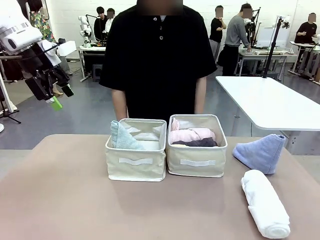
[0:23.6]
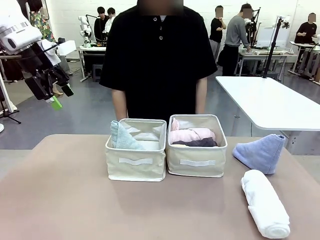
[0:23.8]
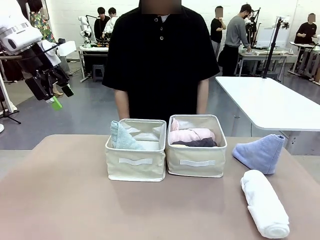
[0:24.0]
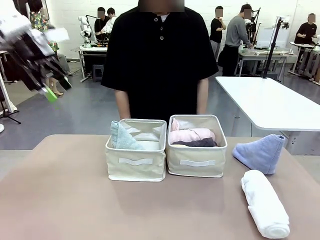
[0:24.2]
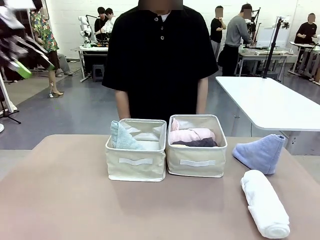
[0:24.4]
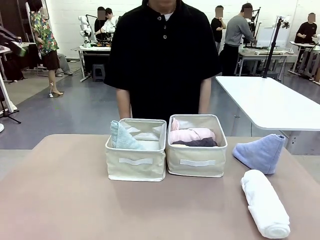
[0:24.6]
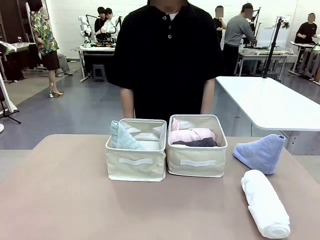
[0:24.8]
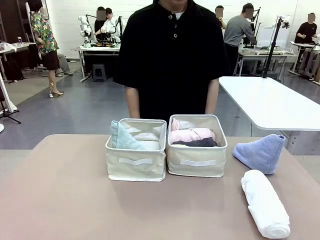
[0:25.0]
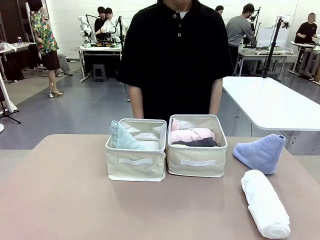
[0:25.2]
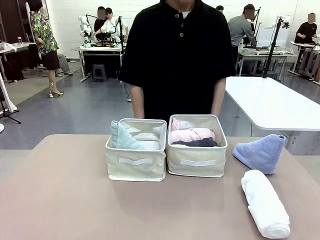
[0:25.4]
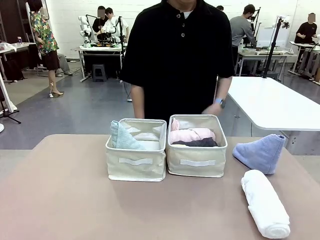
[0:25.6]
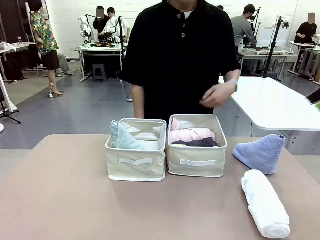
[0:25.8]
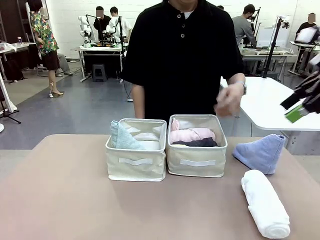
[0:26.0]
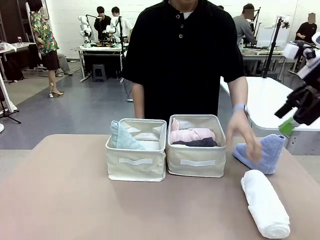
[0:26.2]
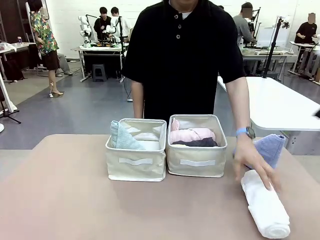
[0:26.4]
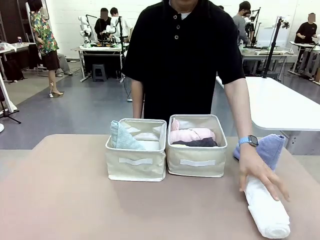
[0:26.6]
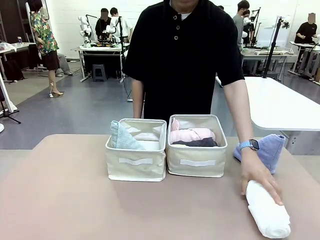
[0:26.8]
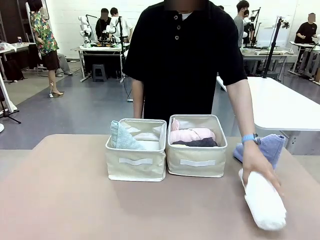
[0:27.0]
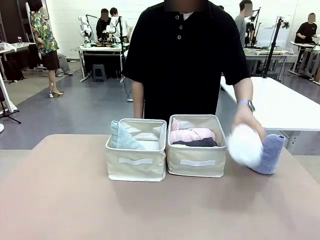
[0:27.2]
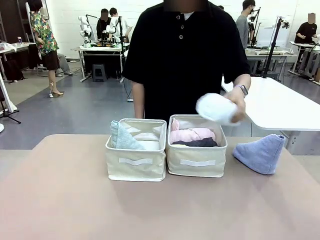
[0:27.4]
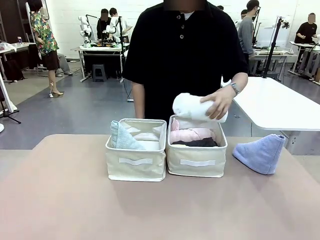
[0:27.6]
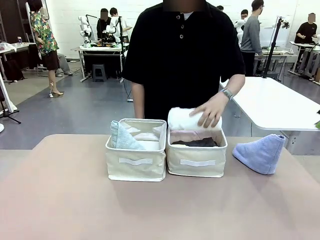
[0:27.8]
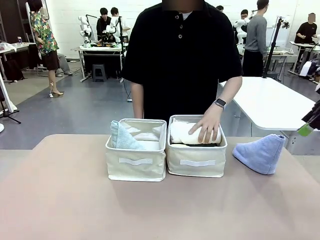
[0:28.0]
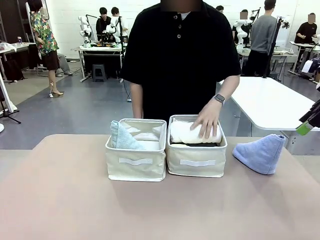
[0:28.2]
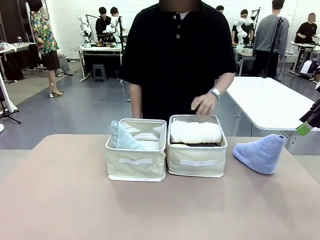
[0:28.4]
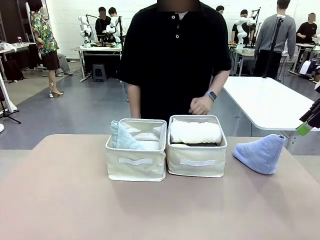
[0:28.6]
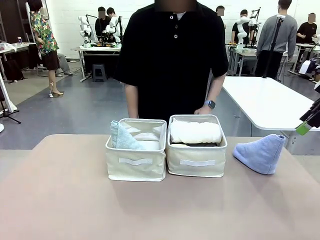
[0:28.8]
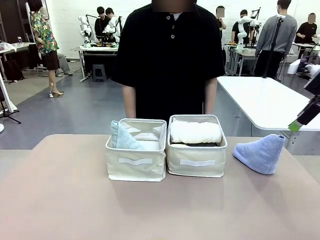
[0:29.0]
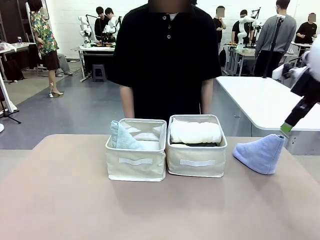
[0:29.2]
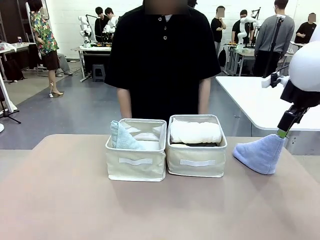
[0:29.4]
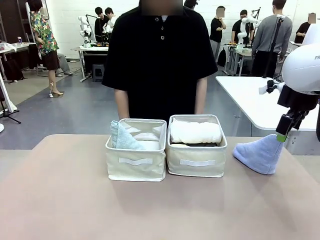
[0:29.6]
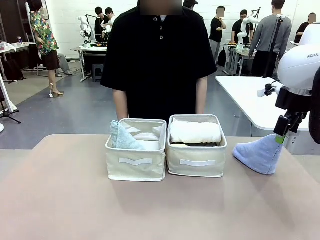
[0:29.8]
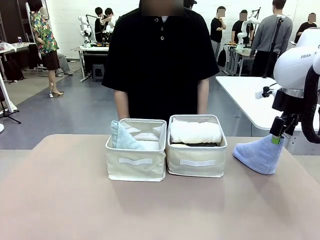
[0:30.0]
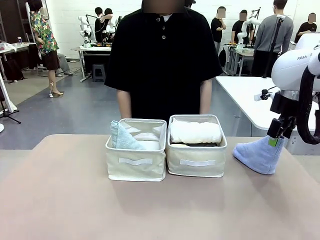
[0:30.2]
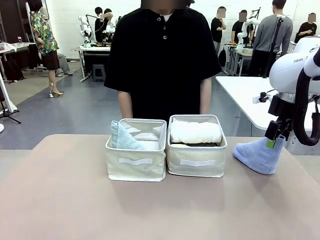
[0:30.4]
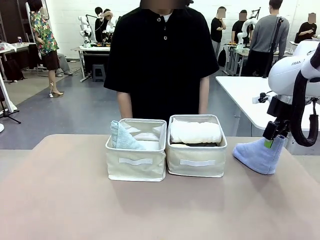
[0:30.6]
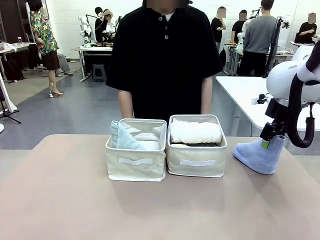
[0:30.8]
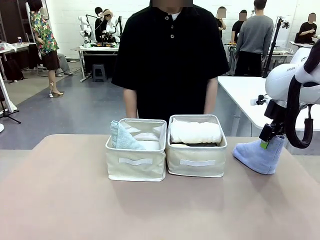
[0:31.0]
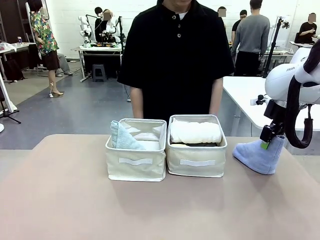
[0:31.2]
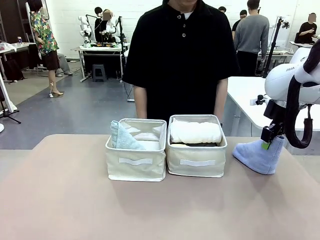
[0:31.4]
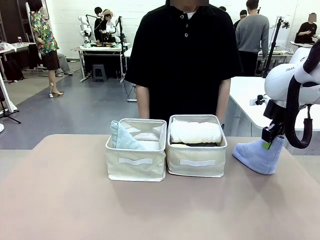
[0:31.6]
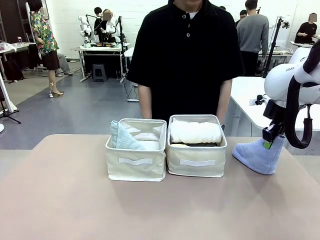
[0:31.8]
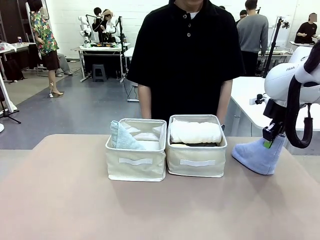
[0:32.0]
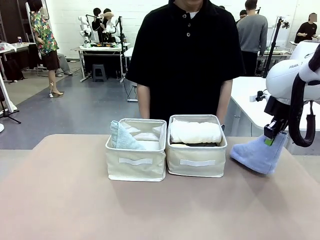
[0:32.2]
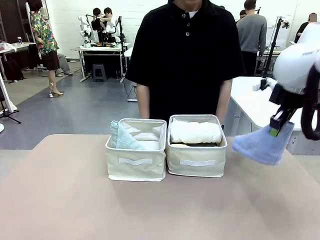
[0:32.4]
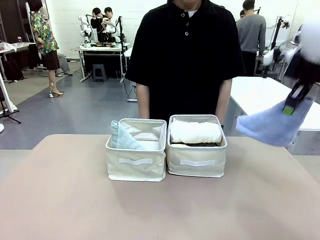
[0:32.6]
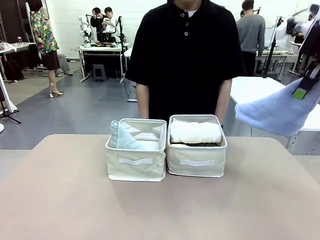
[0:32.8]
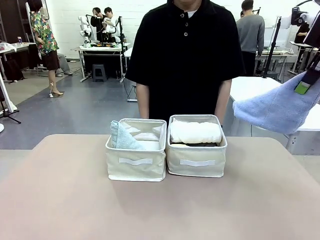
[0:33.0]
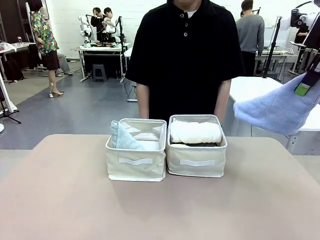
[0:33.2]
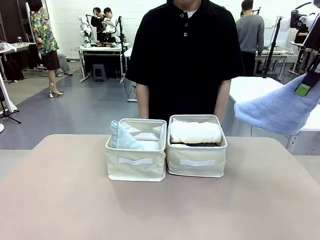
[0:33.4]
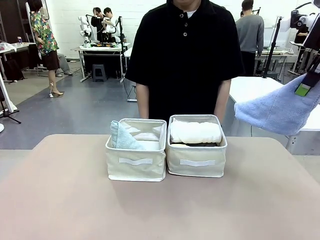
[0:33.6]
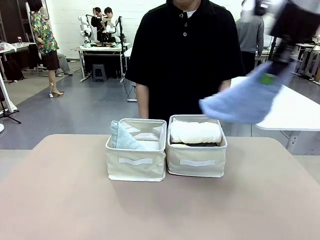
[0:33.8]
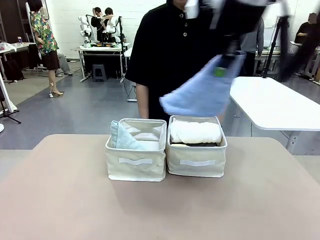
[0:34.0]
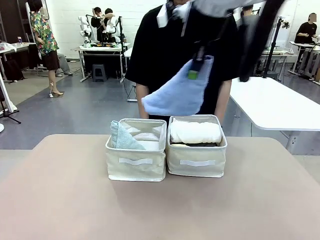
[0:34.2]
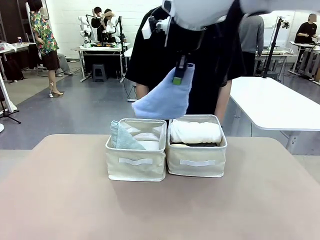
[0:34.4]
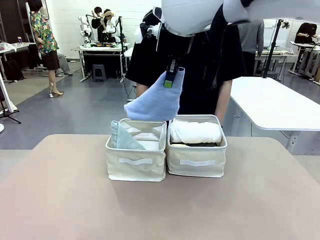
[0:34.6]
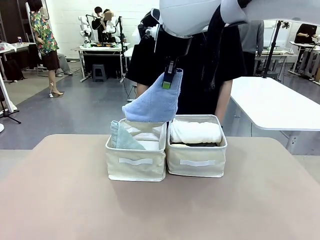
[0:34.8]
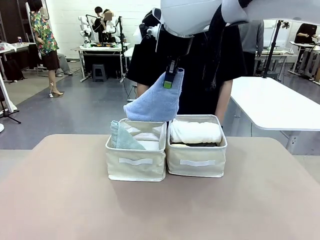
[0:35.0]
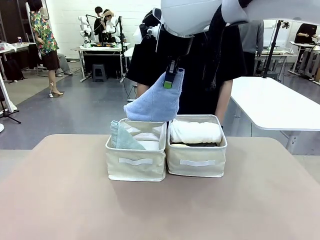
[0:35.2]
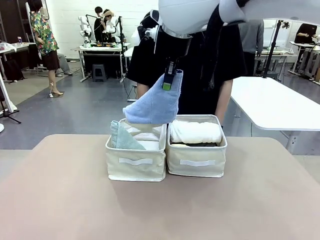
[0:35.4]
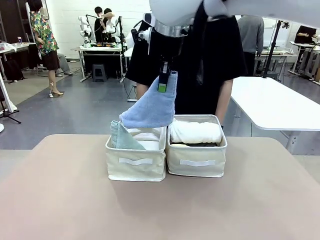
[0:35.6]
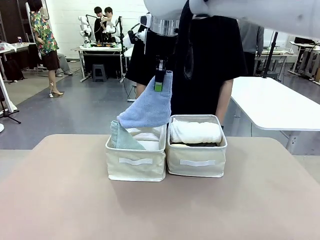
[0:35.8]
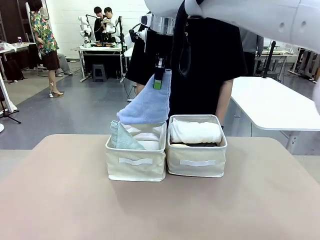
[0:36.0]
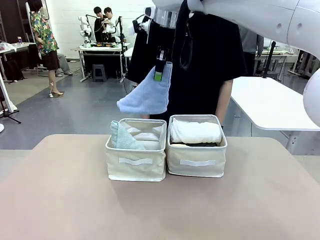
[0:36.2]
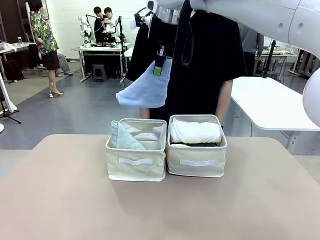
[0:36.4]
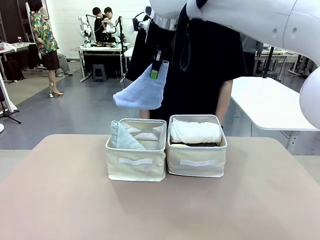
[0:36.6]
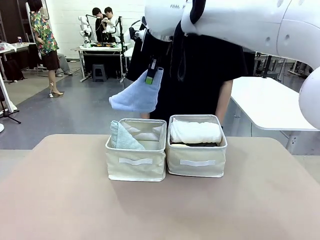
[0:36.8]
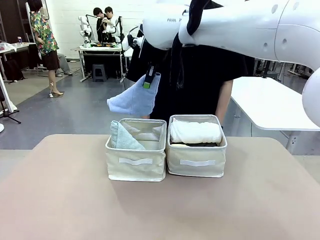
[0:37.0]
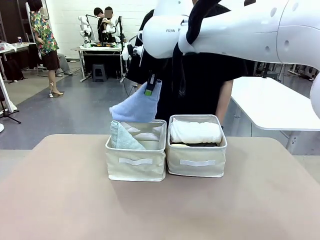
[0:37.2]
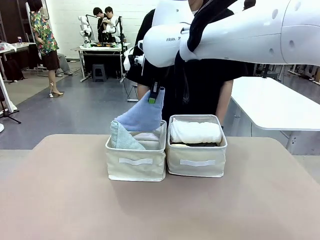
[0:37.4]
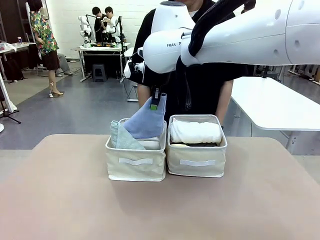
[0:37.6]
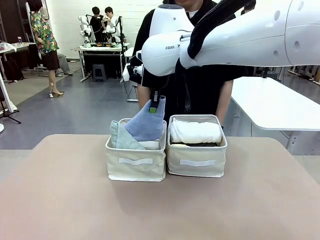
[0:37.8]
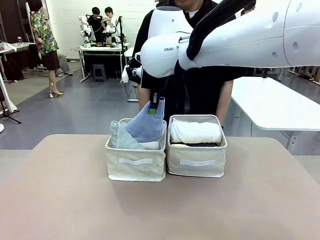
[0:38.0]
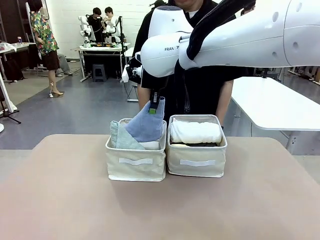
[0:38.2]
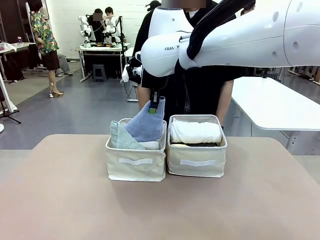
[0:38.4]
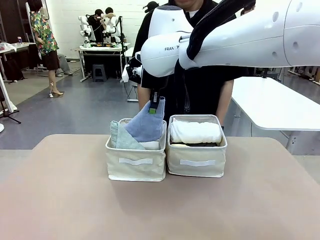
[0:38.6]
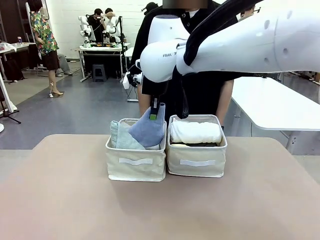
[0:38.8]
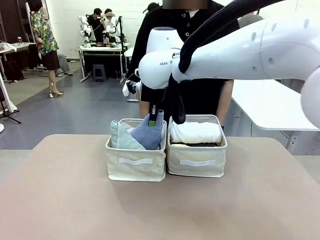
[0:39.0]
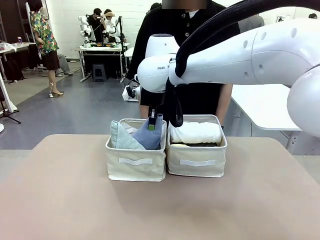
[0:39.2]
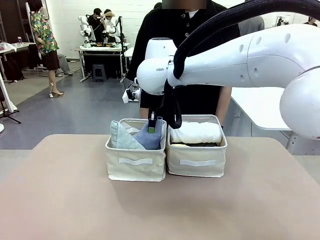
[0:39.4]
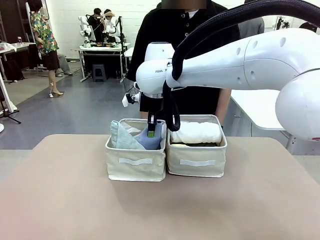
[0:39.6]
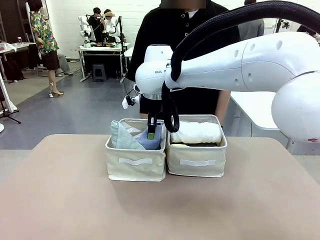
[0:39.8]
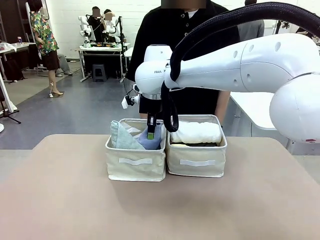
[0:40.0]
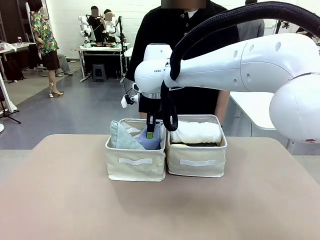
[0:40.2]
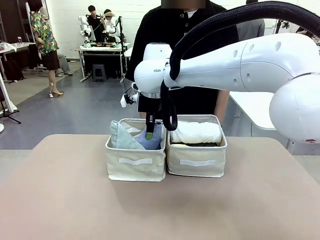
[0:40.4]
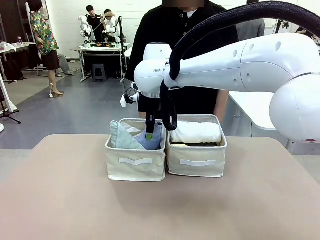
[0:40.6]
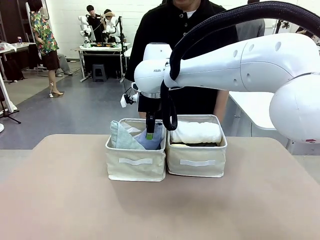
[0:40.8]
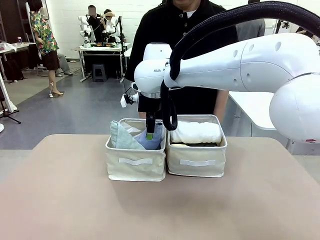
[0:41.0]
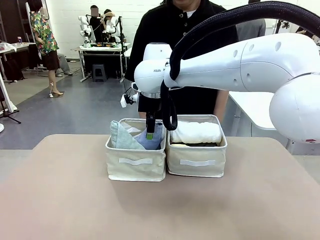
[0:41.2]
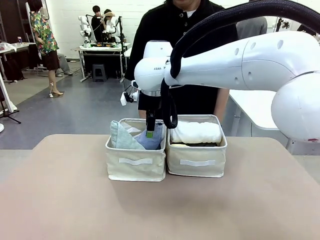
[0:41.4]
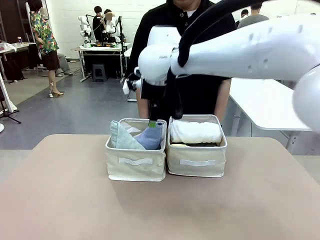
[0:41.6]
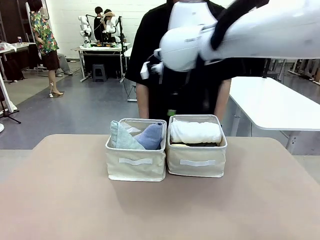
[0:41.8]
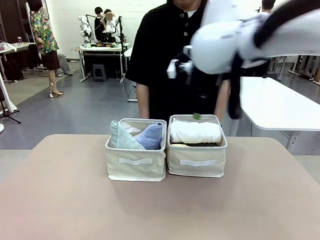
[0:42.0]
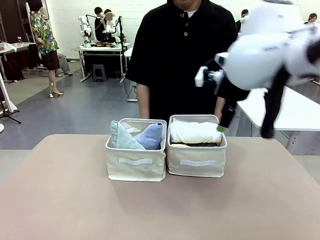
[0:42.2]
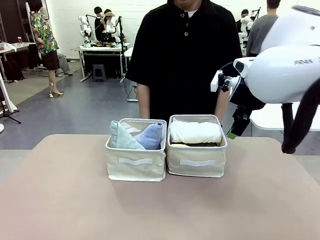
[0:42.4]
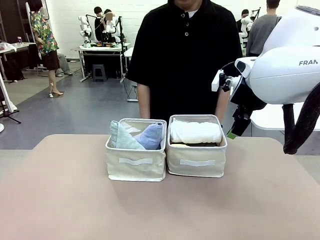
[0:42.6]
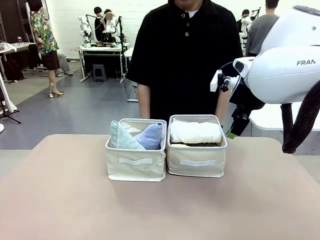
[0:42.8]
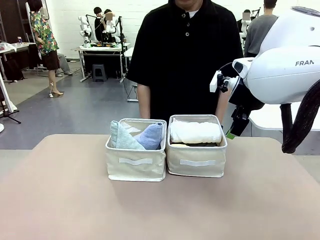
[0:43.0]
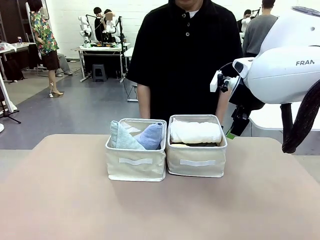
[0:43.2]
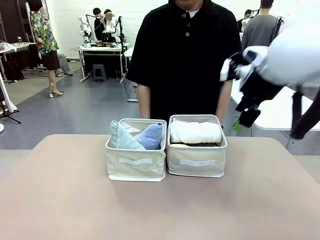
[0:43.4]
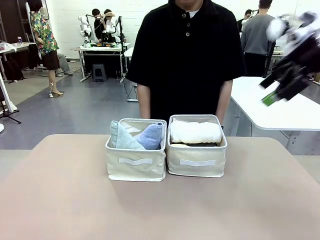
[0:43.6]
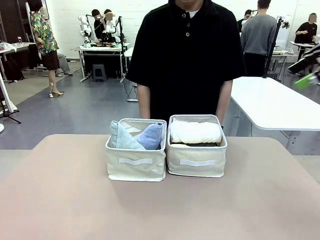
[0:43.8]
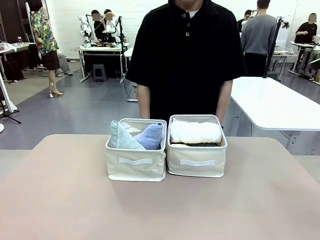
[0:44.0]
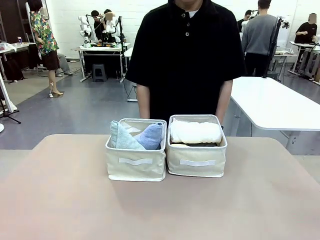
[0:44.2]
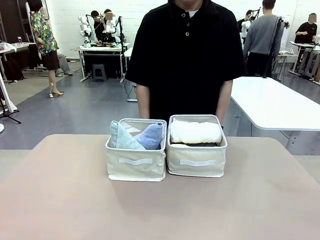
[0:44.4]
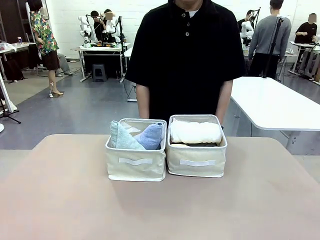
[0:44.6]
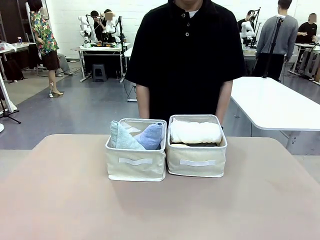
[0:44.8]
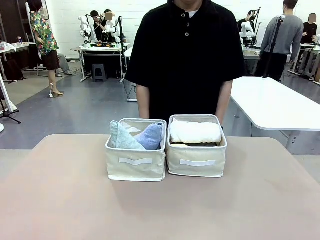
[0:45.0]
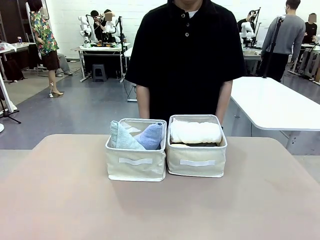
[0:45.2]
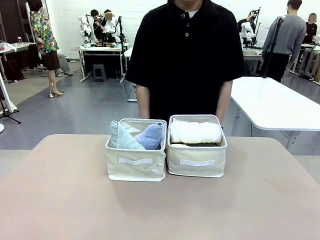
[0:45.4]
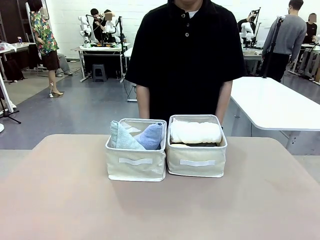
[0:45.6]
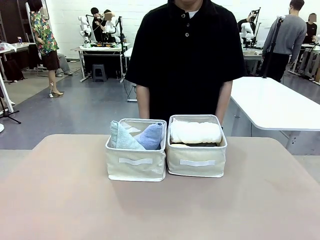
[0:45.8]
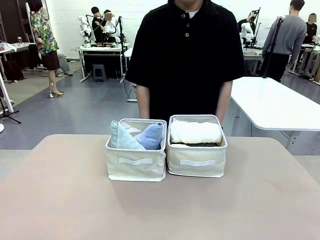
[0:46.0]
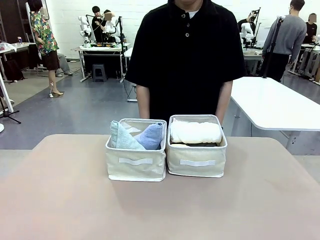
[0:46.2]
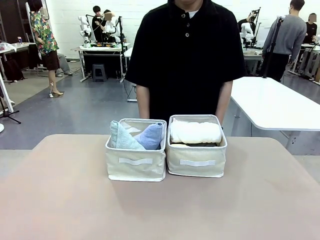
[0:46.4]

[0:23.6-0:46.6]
Task: Sort the towels based on their folding style.
Robot: Pick up another triangle-folded towel from the table and place it in the left Fabric basket.
Person: Pick up one hotel-style rolled towel from the table and place it in the left fabric basket.
